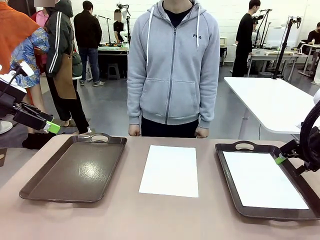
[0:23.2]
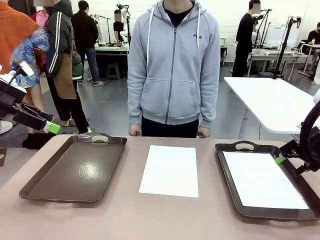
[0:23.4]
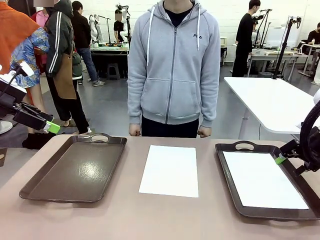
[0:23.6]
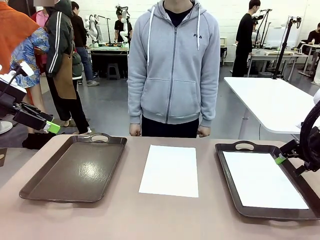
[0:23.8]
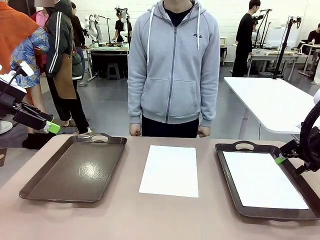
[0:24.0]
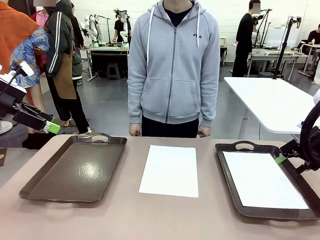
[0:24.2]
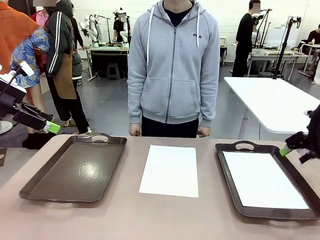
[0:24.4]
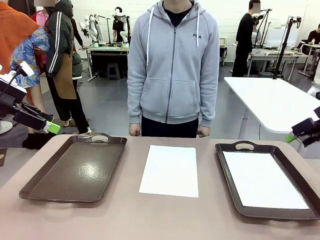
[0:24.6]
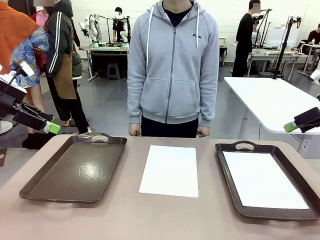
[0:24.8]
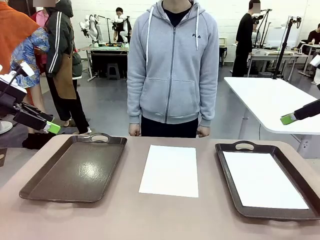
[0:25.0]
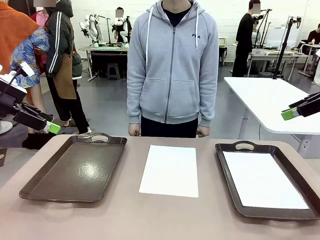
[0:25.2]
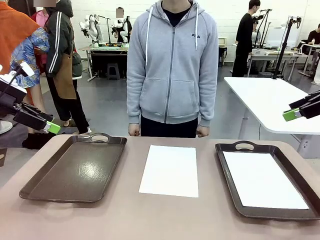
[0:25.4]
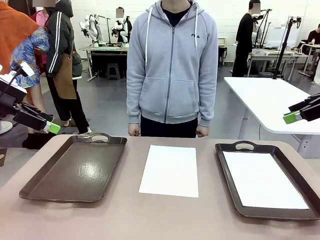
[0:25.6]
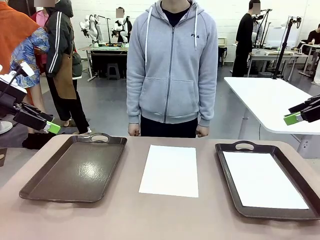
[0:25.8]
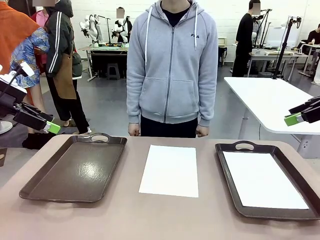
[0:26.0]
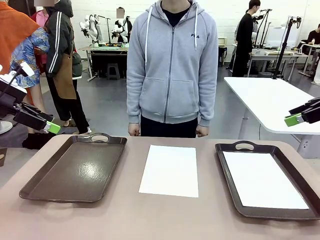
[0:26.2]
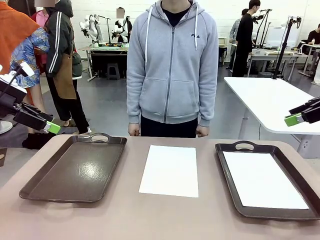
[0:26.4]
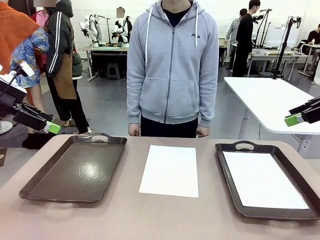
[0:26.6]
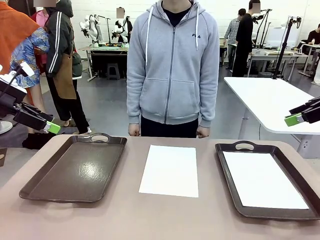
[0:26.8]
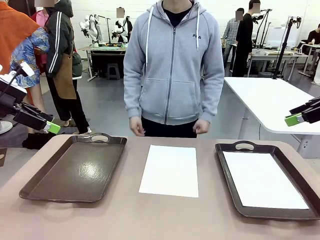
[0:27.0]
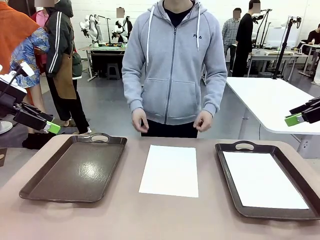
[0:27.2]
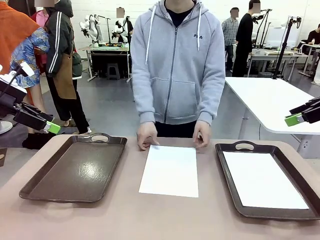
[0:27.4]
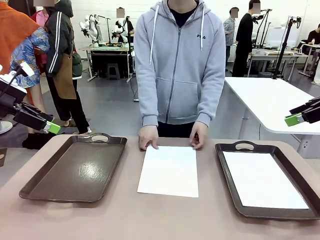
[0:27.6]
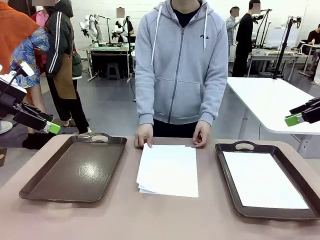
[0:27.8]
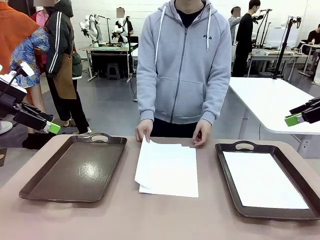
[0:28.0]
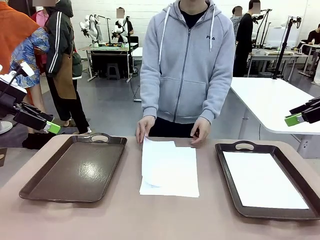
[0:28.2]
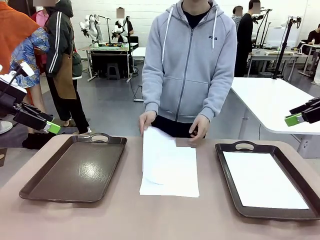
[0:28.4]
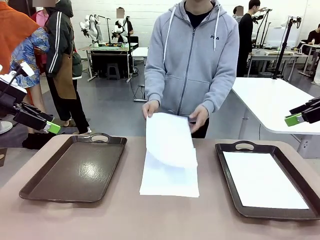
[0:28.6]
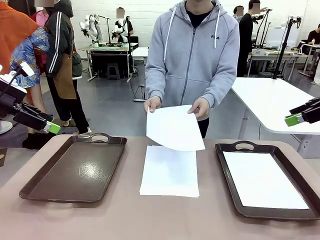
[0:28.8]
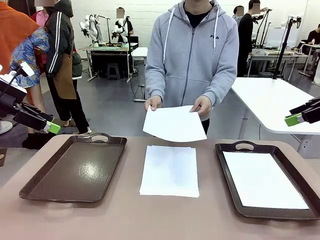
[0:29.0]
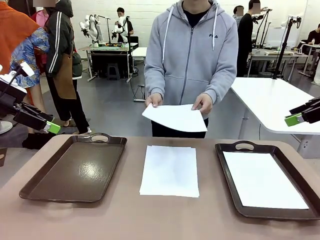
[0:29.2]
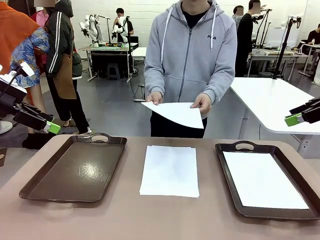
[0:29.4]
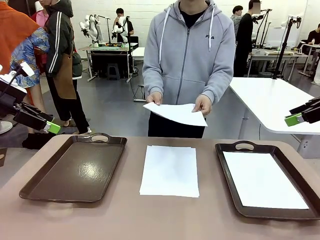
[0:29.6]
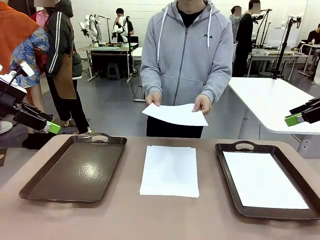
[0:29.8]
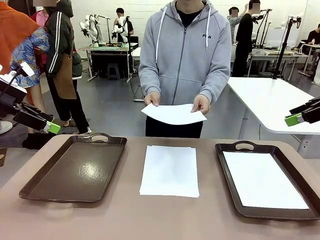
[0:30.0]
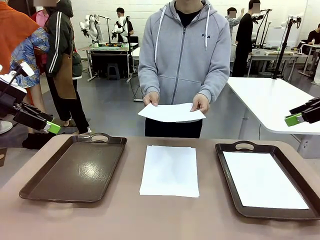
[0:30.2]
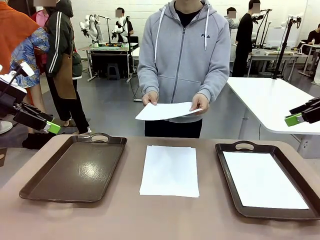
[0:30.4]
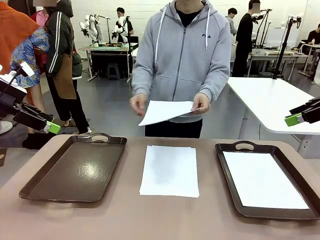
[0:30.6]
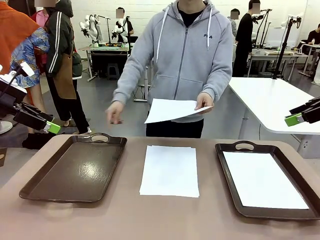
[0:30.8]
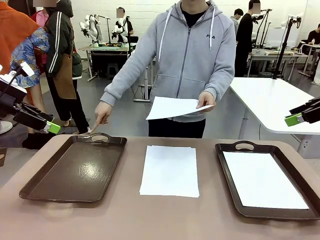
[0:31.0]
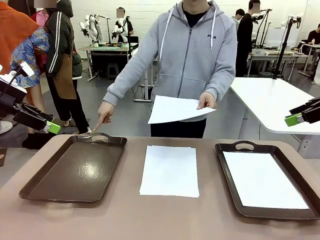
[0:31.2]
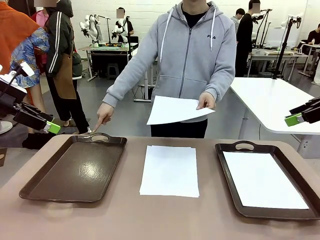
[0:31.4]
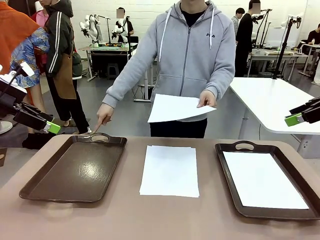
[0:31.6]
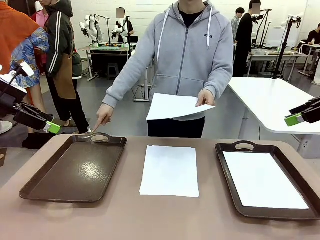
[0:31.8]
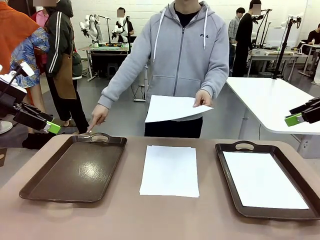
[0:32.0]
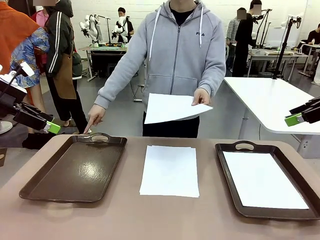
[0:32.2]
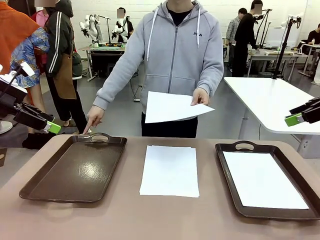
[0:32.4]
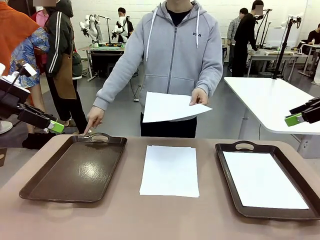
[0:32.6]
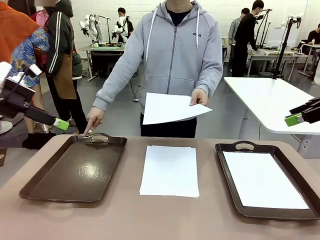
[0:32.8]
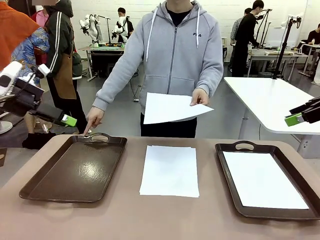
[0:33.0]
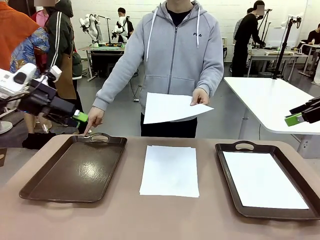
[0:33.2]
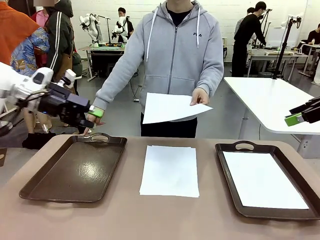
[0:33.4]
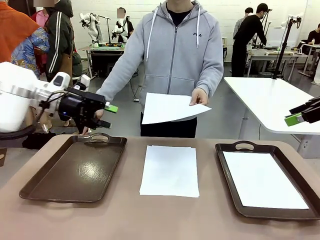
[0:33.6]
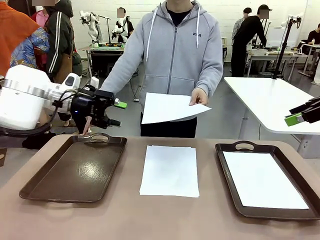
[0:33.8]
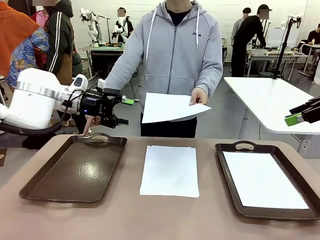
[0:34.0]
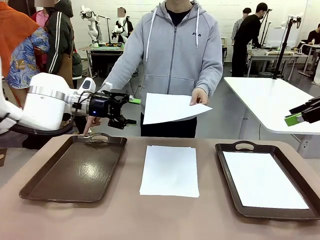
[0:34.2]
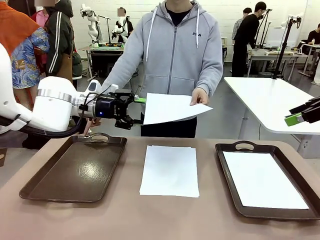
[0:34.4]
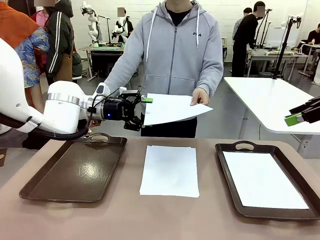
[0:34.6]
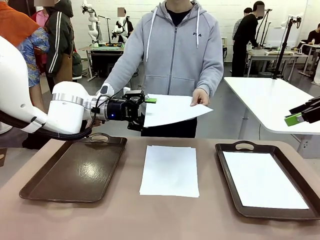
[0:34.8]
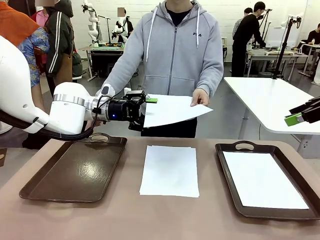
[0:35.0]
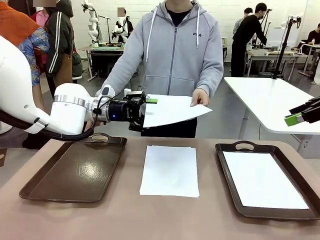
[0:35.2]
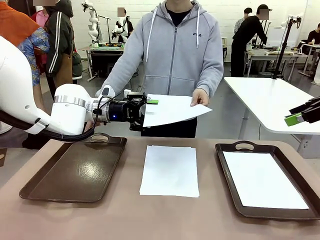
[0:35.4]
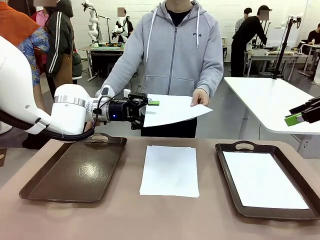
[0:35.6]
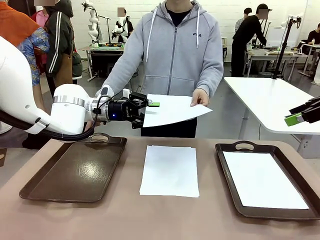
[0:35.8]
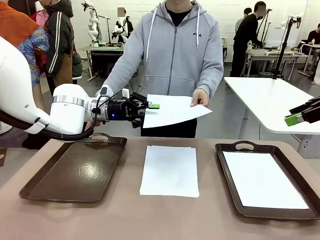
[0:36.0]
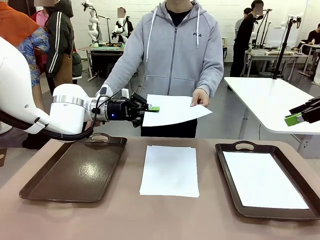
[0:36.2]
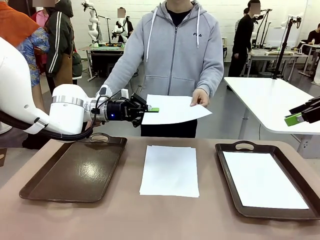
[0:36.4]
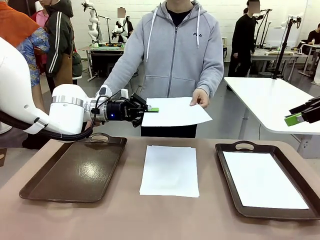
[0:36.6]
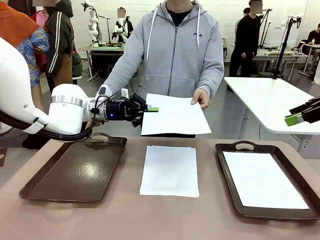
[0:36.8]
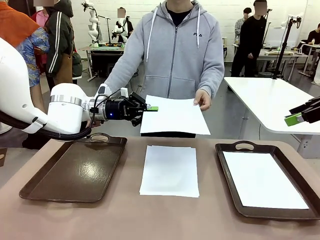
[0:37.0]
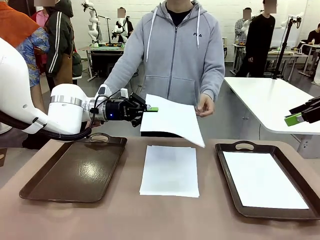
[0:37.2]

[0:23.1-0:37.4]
Task: Sort the A4 documents.
Robot: Receive the A4 Paper.
Person: Point the randomly selected tray with the other hand.

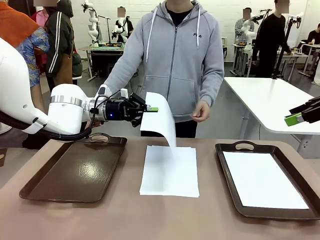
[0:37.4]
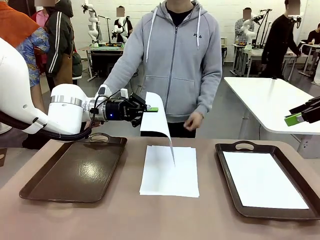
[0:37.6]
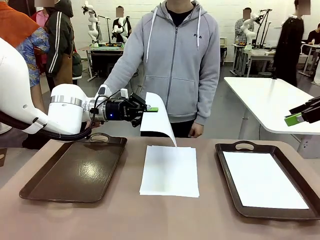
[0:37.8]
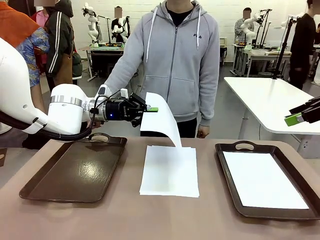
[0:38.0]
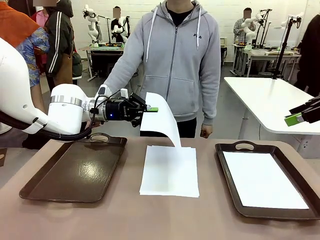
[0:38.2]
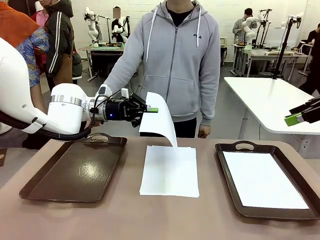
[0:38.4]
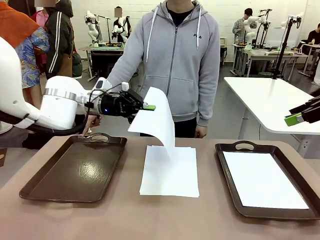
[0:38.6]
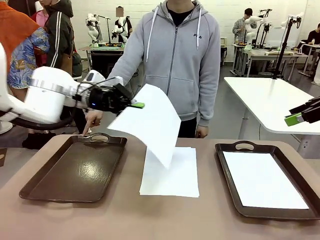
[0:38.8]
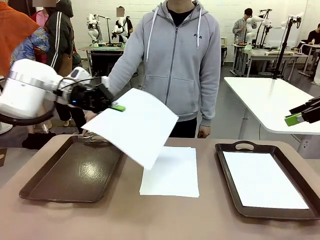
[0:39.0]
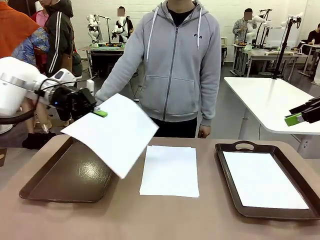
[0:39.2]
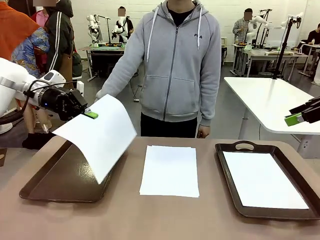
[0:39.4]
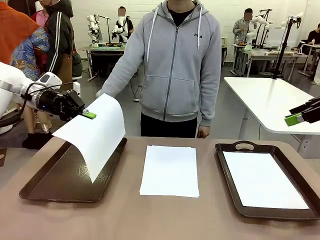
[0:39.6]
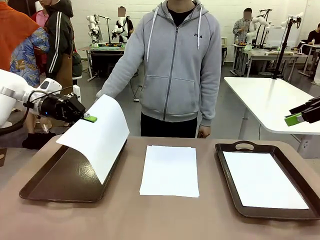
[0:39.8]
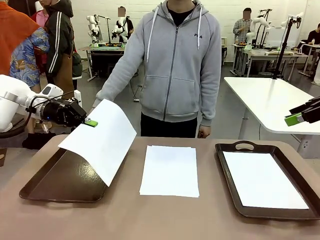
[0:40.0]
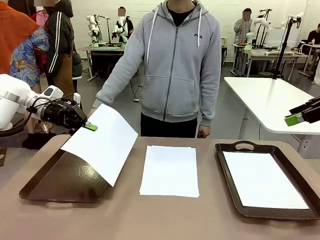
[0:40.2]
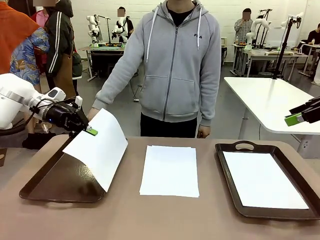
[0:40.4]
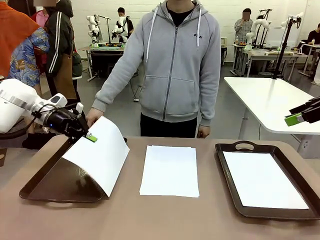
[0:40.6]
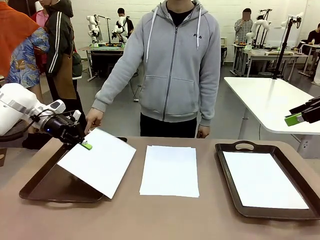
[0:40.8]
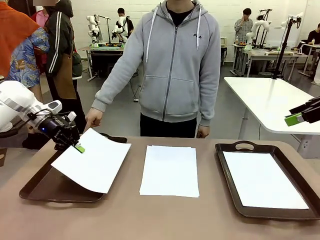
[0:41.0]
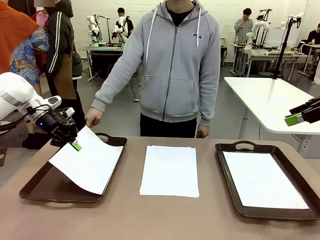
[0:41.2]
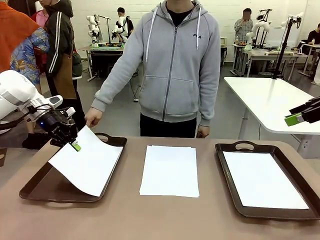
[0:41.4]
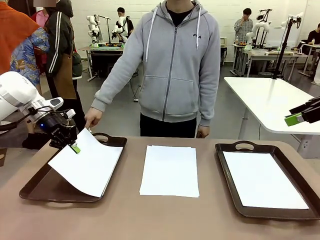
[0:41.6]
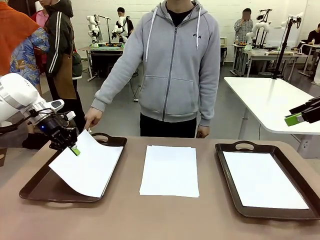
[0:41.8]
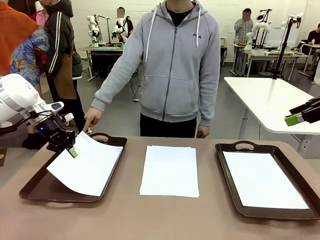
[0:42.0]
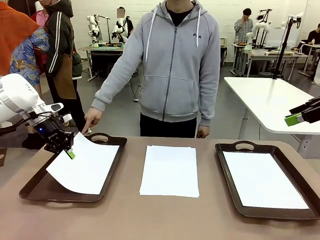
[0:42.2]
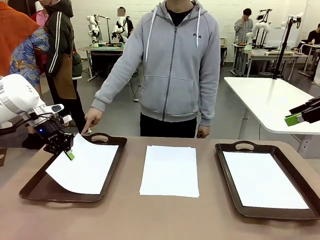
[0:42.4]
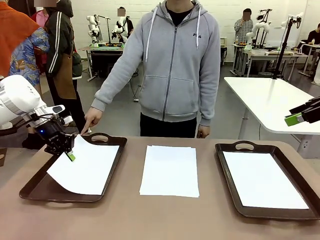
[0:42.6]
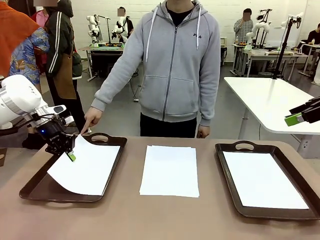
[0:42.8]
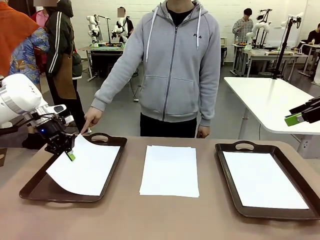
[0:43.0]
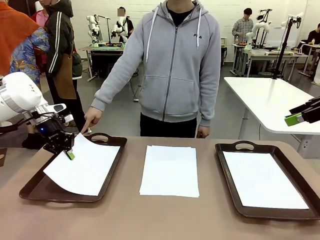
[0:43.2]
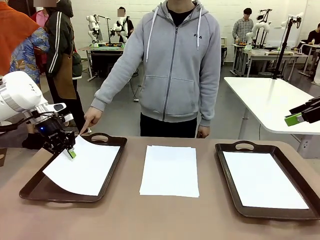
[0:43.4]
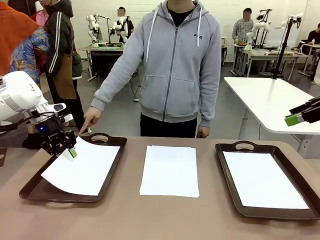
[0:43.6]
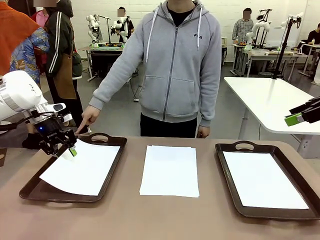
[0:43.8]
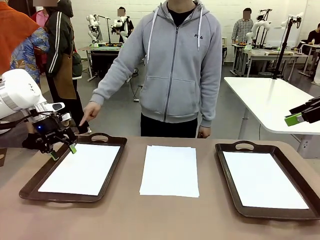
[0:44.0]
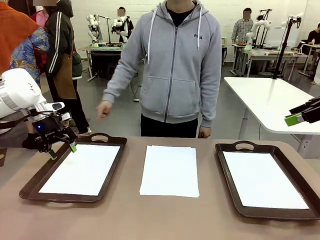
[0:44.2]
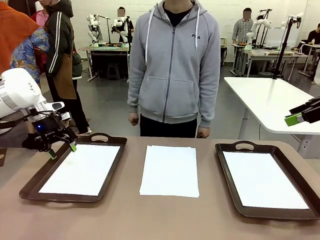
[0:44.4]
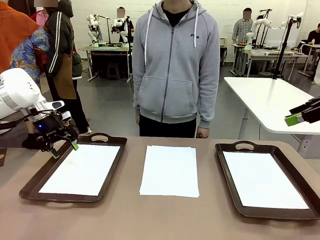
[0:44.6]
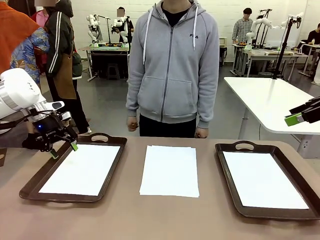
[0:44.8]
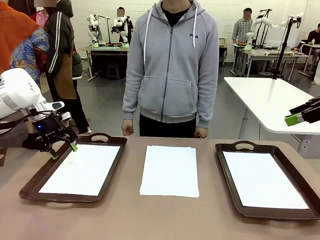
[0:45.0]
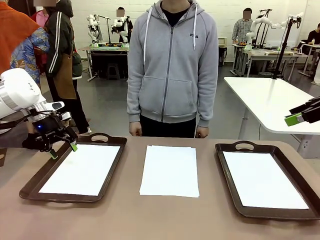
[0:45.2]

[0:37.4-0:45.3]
Robot: Place the A4 Paper in the designated Handle tray.
